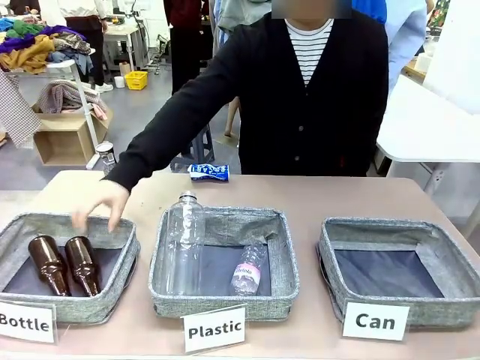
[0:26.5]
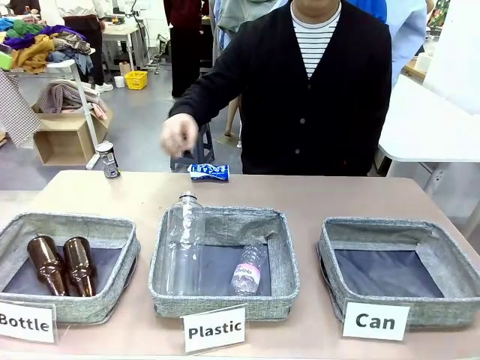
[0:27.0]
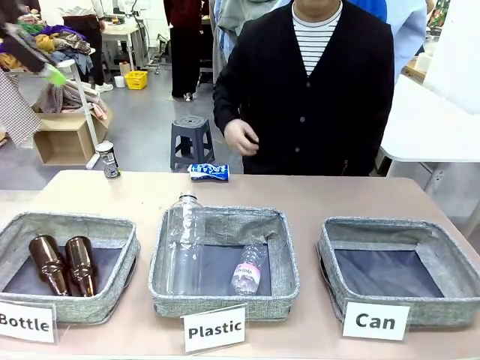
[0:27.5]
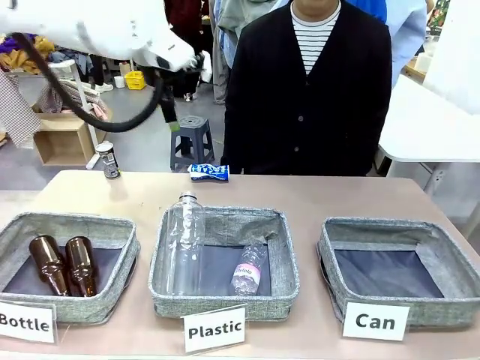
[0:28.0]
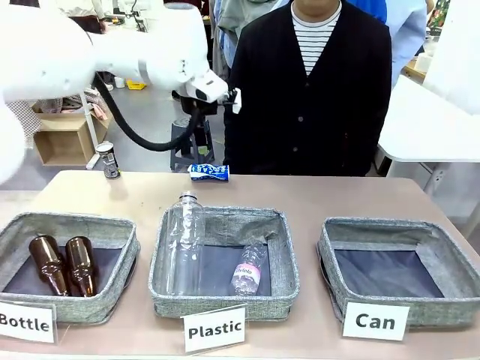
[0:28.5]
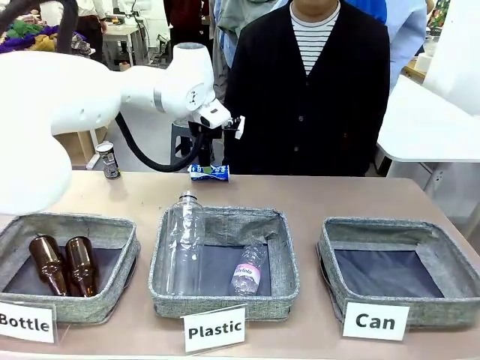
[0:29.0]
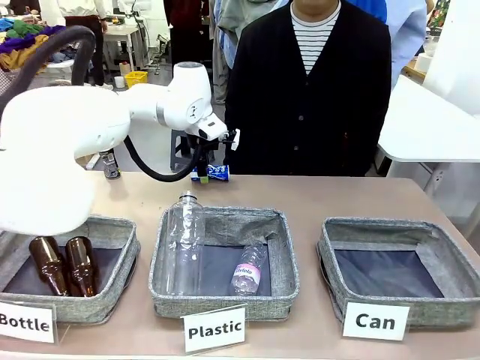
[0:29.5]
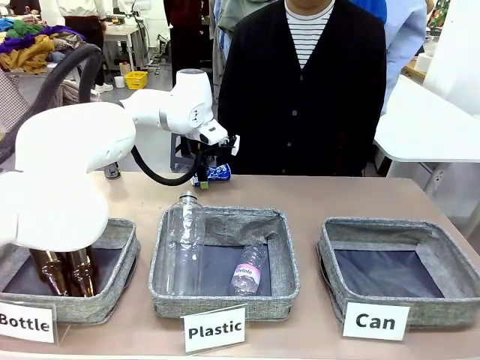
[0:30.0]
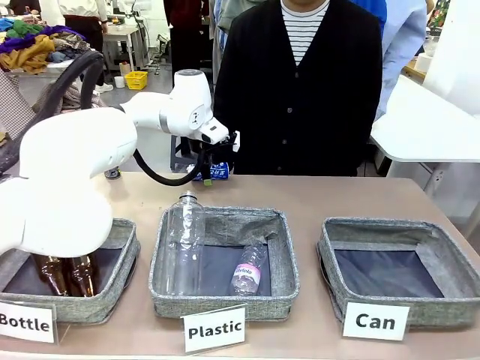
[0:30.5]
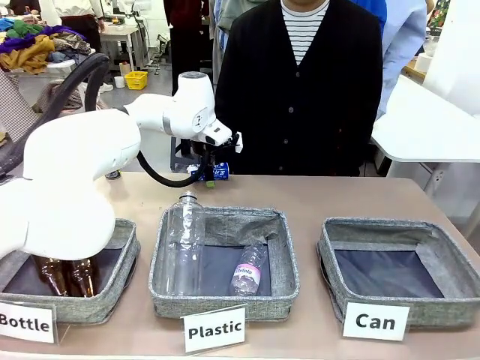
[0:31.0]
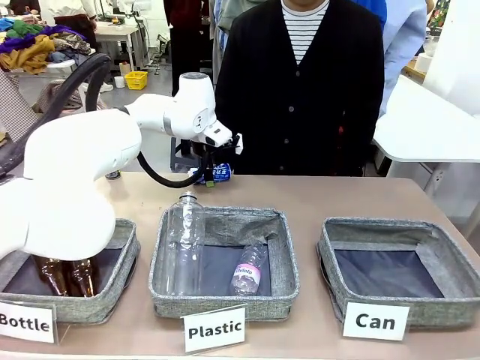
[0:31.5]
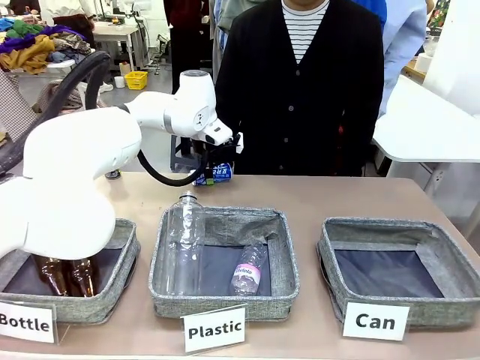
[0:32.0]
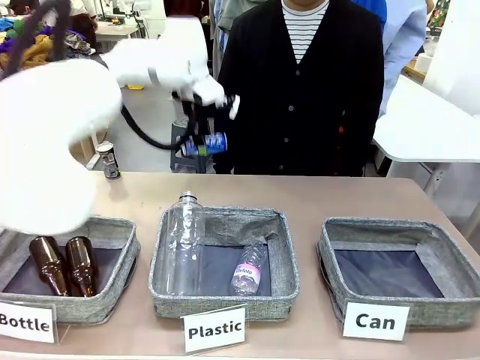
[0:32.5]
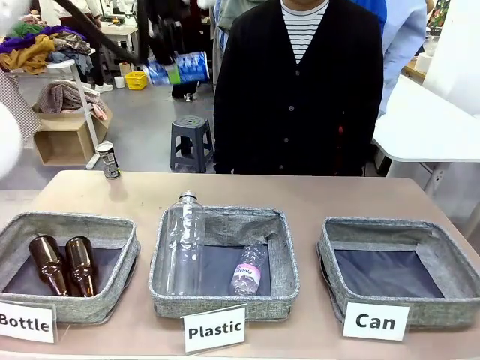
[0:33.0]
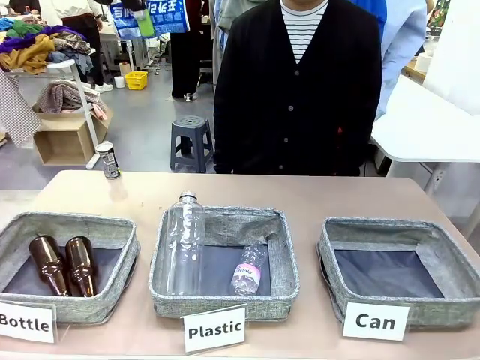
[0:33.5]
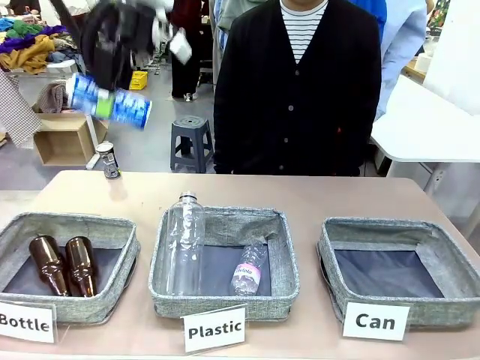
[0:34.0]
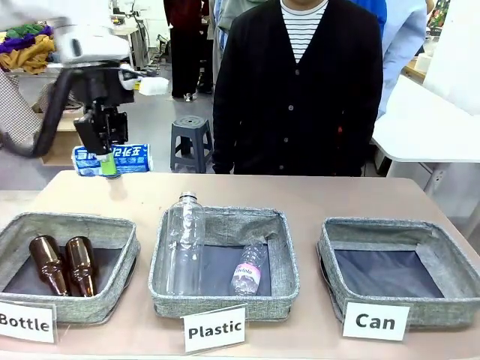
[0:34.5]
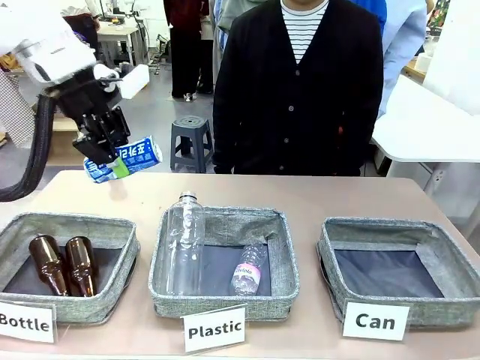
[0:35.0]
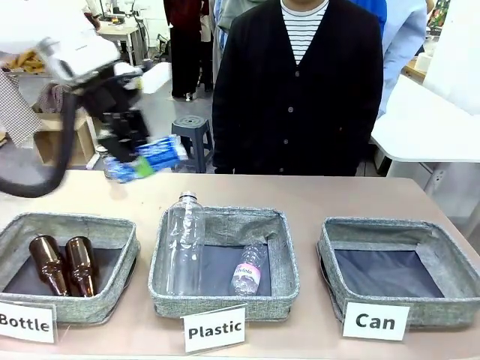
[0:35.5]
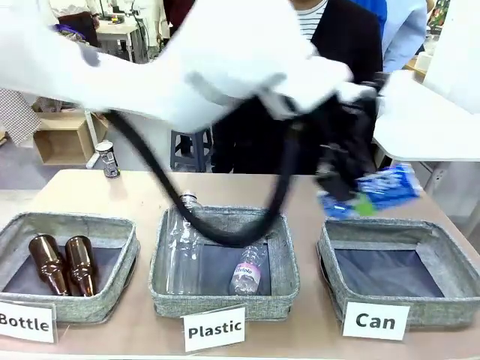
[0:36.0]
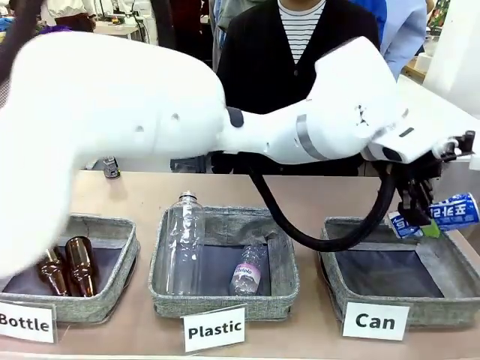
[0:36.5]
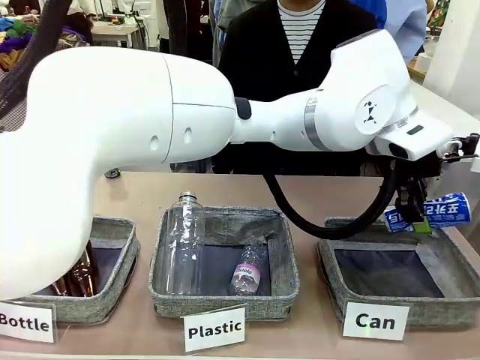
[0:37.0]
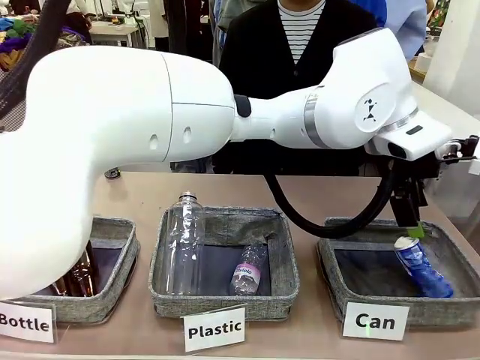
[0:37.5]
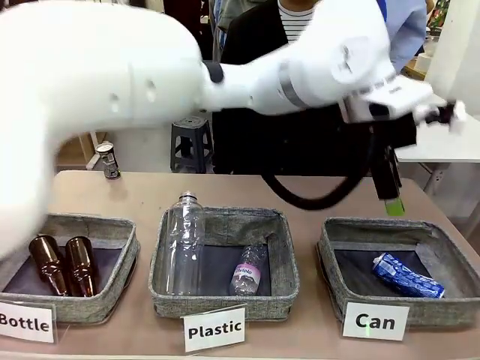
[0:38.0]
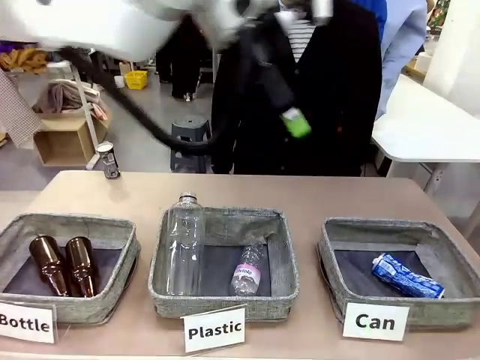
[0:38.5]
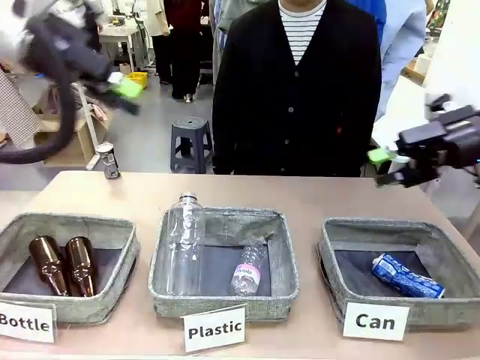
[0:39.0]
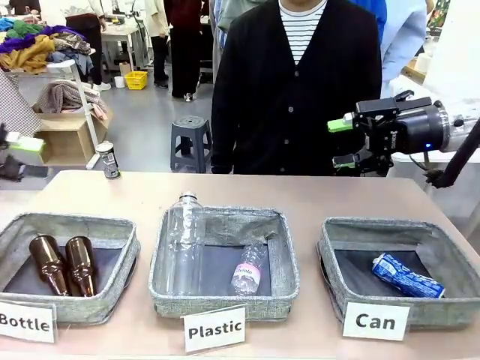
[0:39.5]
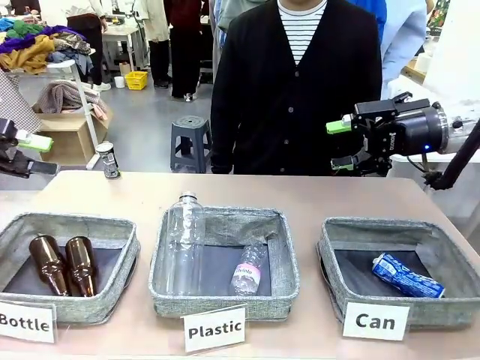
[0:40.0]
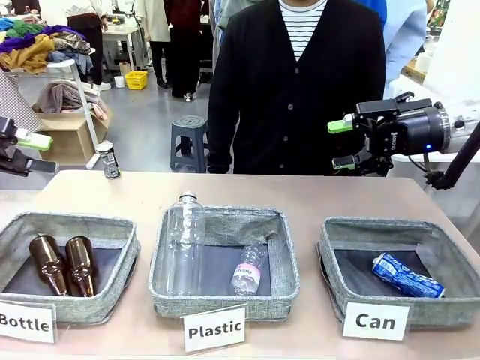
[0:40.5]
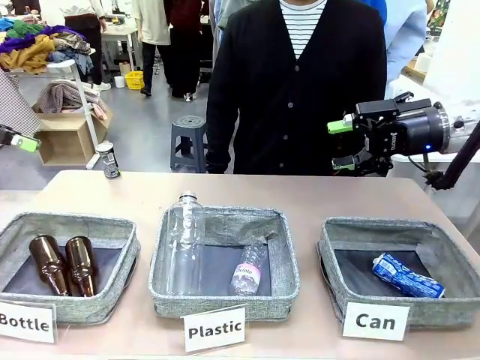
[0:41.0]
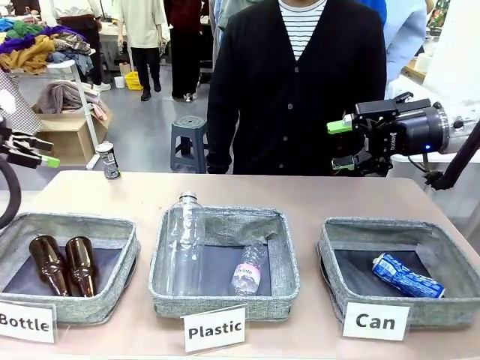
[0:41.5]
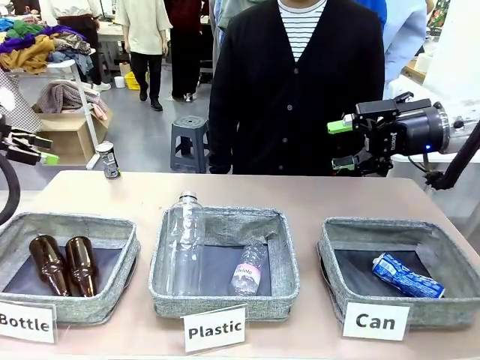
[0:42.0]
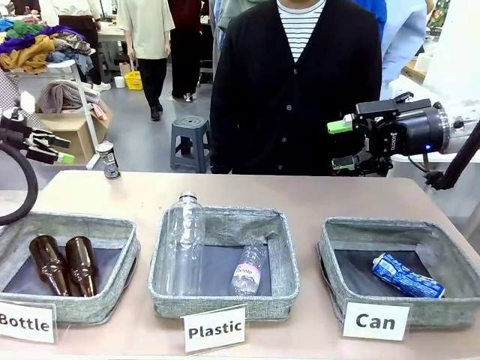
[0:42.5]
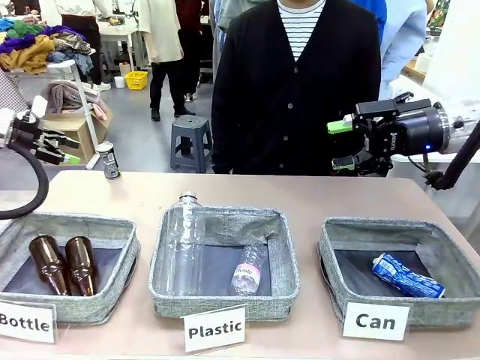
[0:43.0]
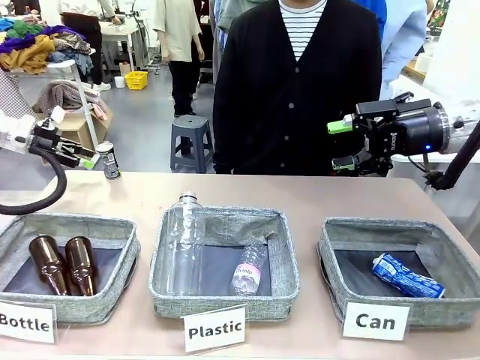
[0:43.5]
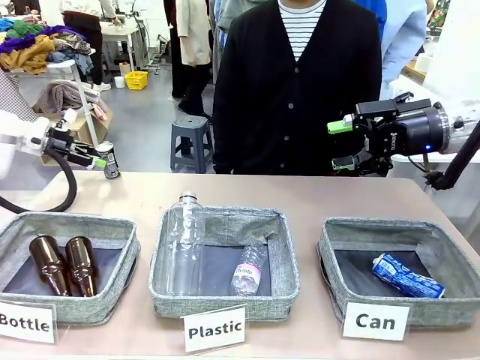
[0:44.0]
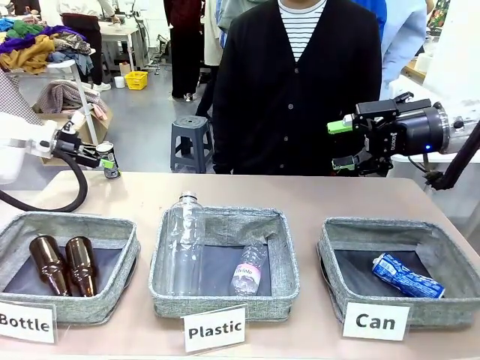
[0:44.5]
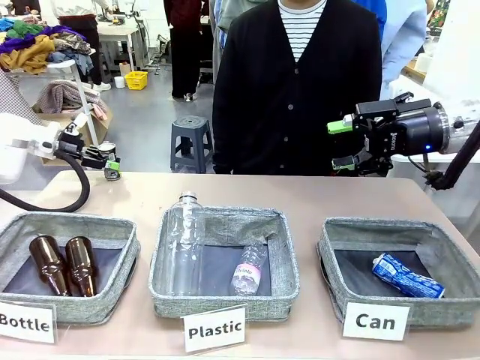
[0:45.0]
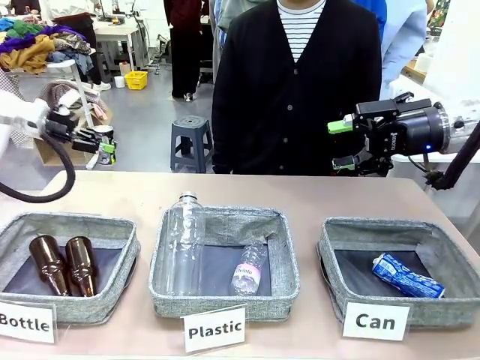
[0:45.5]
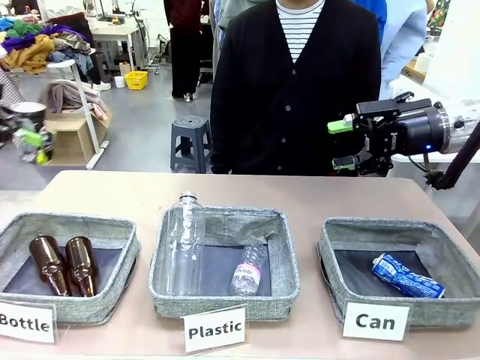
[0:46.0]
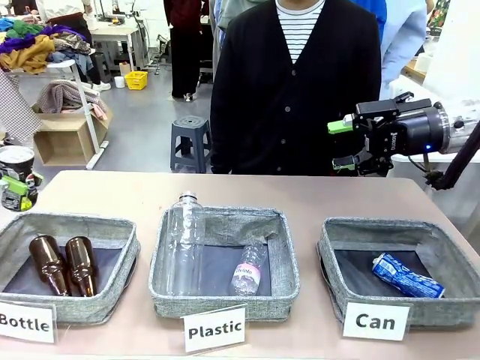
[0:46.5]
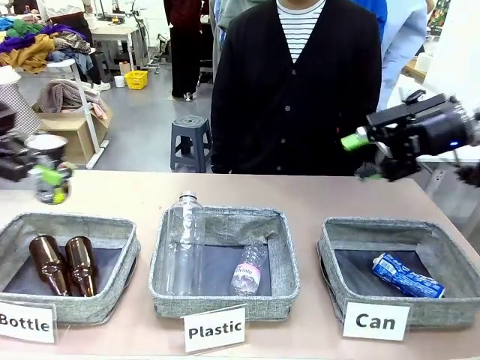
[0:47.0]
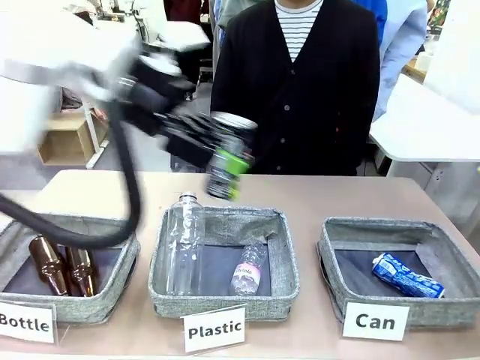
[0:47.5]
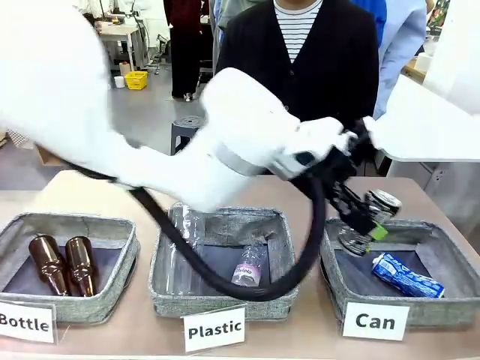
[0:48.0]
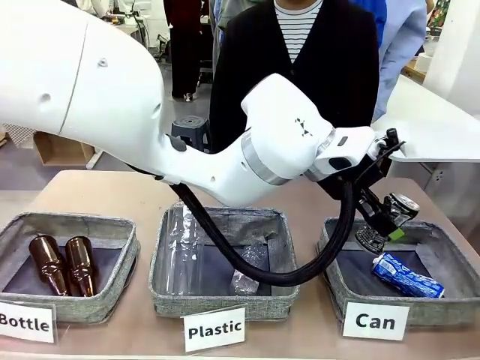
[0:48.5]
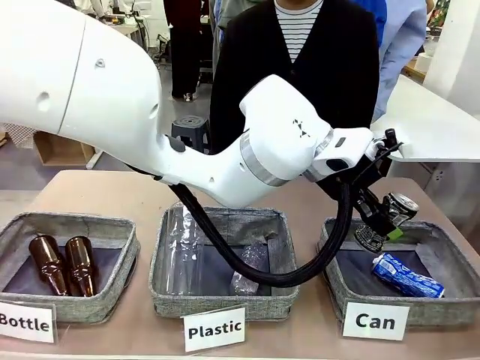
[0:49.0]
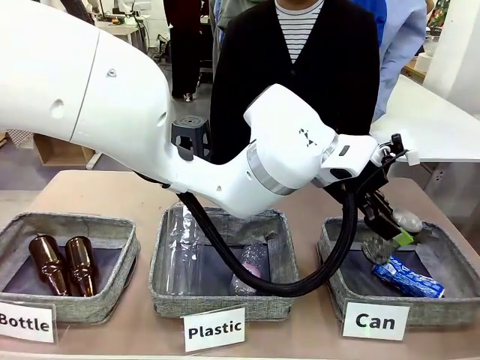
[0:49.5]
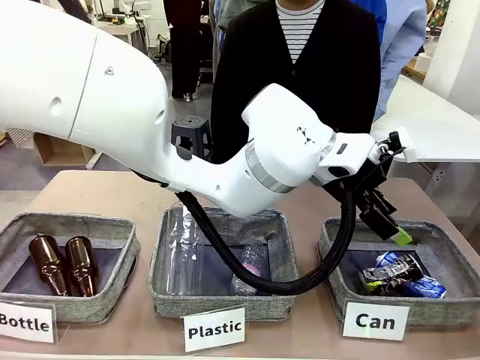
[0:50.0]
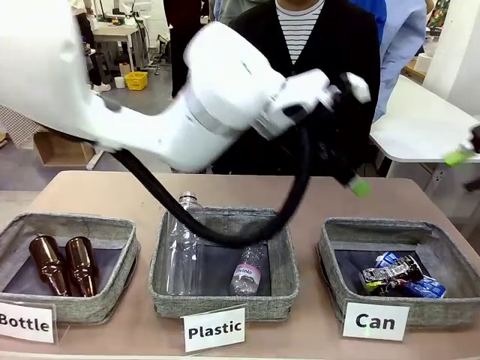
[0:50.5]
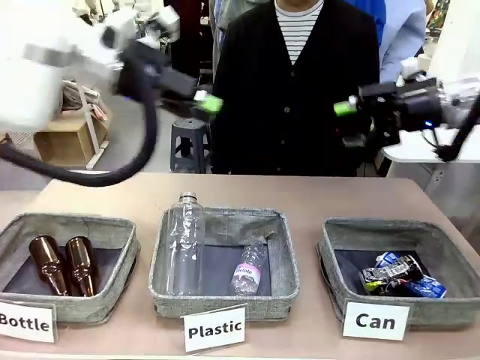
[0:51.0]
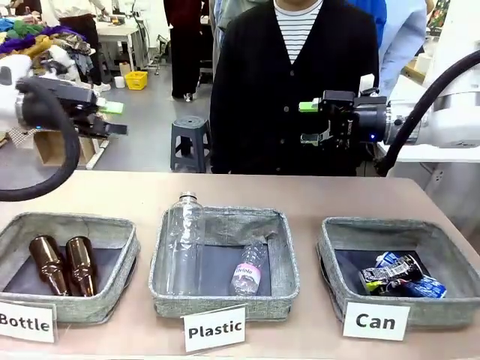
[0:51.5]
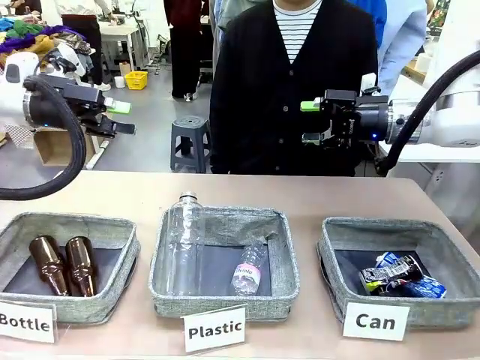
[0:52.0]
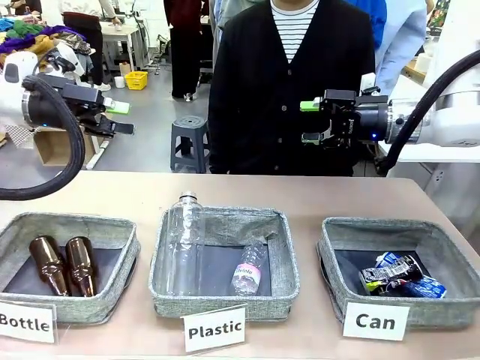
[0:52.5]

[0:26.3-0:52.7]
Task: Sort the can waste into the basket.
Robot: Pick up the can waste from the table and place it in the right Fabric basket.
Person: The human picks up one piece of trash that is not a can and places the trash into the appropriate organizing basket.
